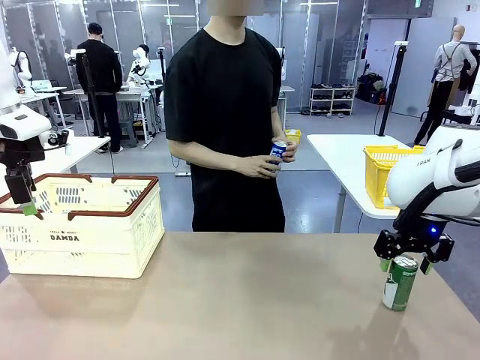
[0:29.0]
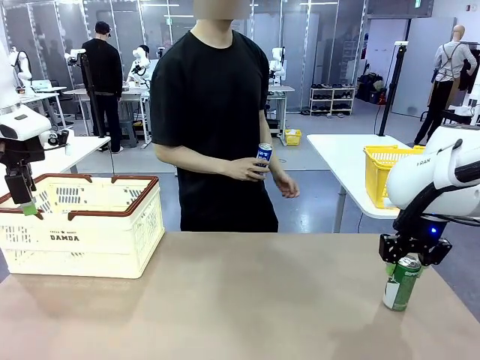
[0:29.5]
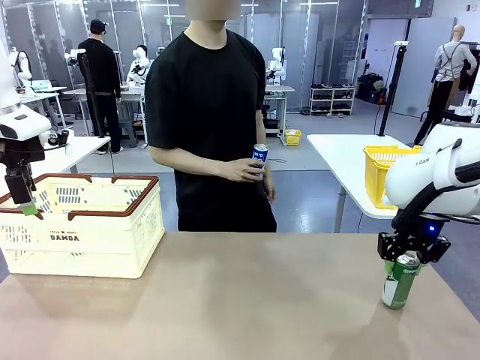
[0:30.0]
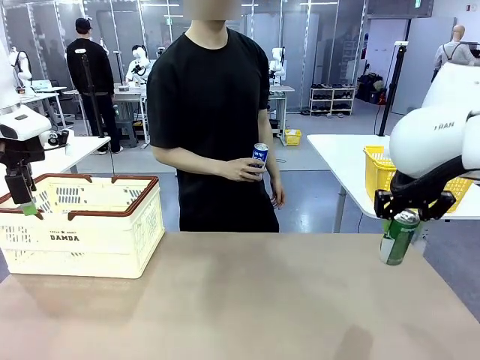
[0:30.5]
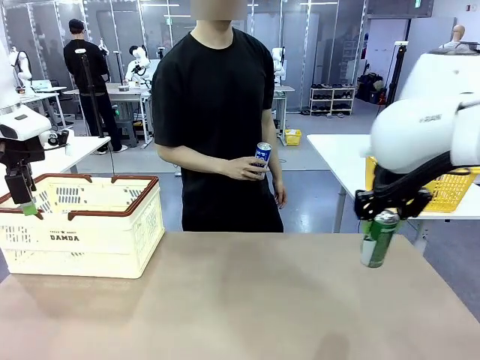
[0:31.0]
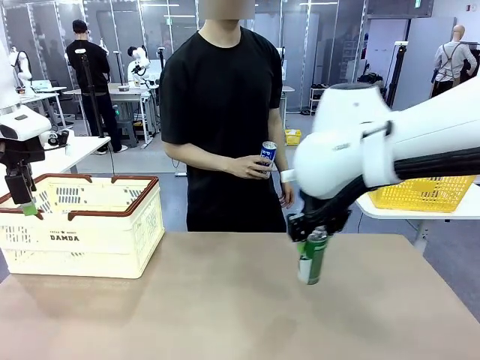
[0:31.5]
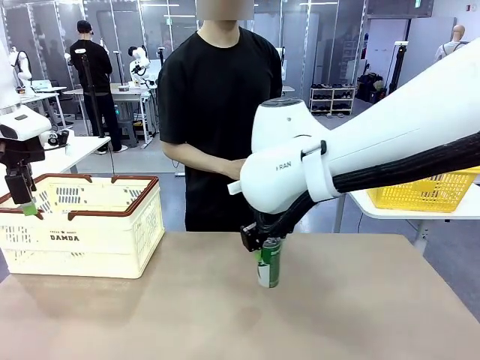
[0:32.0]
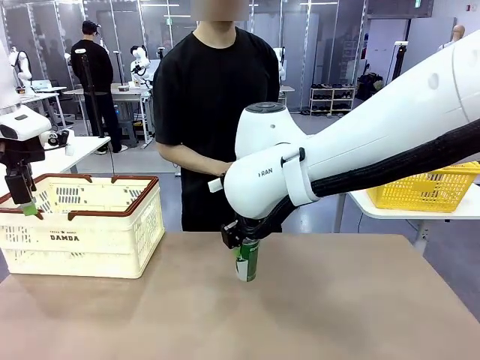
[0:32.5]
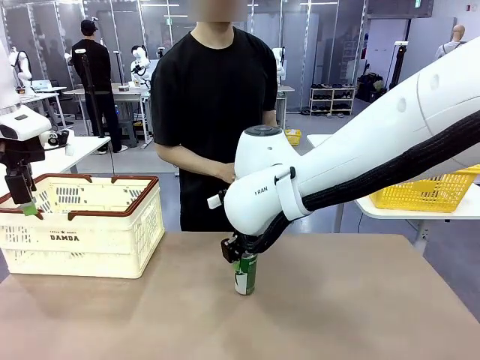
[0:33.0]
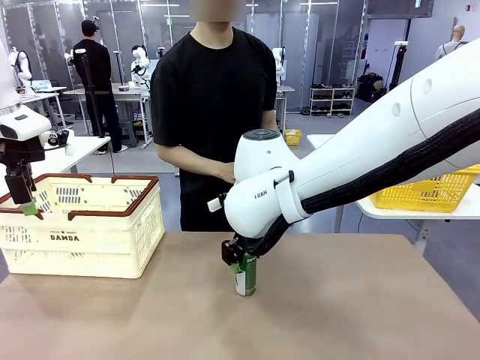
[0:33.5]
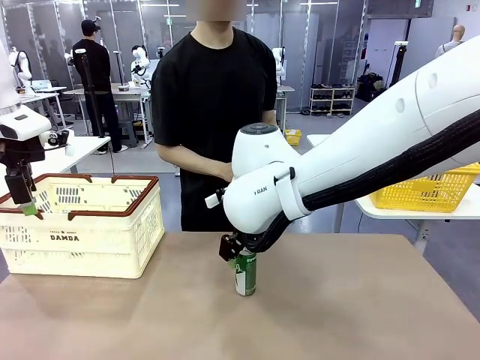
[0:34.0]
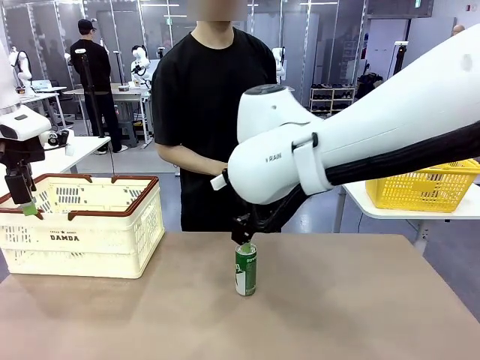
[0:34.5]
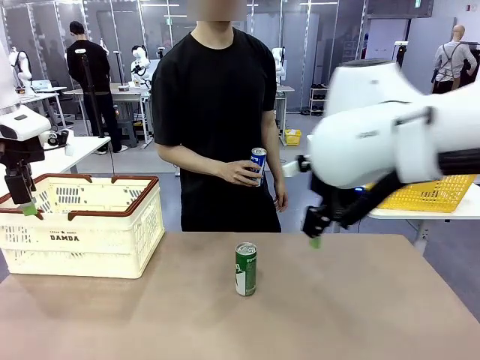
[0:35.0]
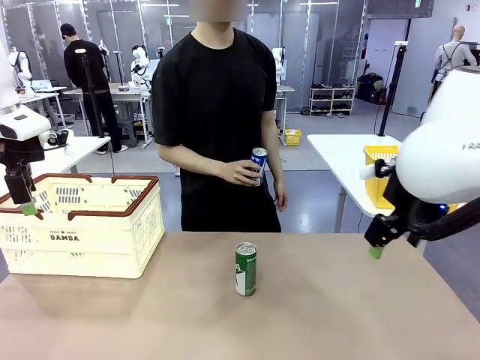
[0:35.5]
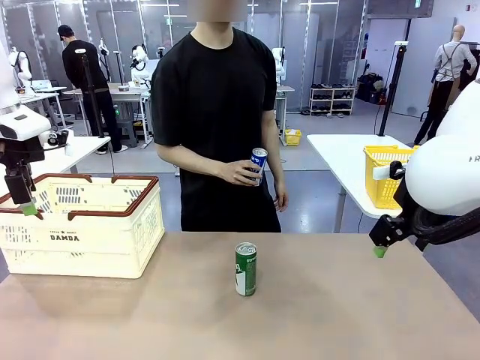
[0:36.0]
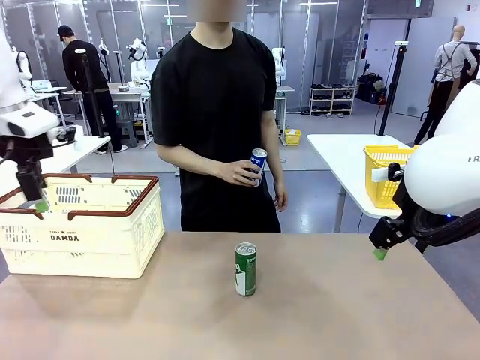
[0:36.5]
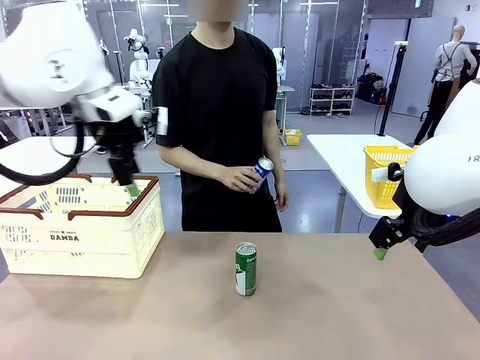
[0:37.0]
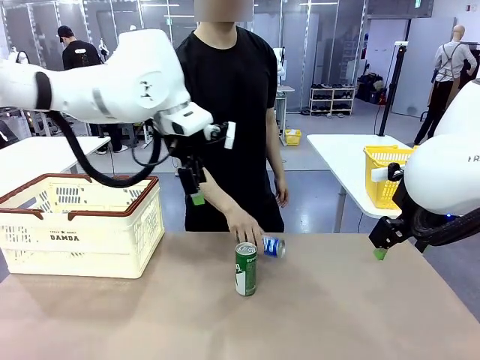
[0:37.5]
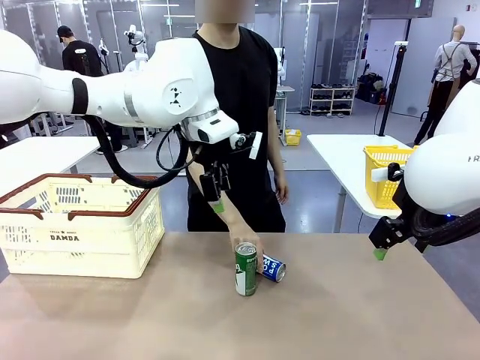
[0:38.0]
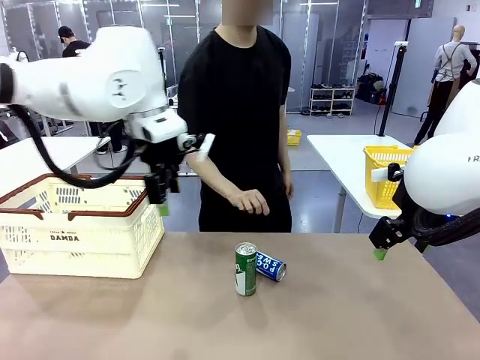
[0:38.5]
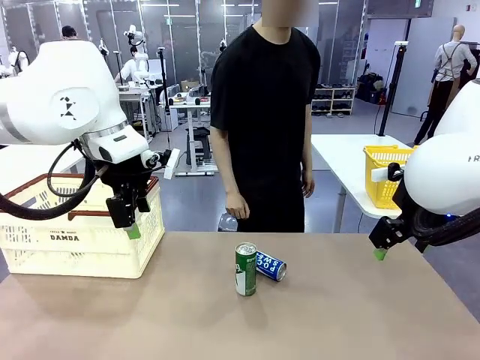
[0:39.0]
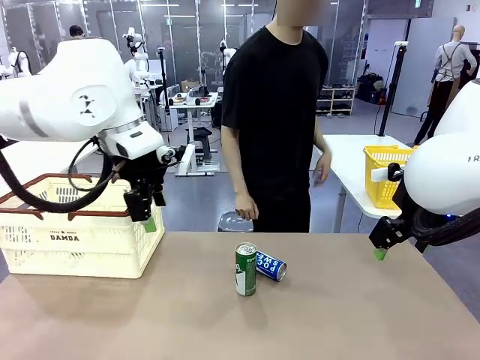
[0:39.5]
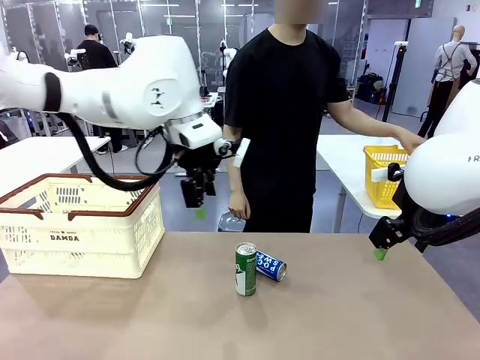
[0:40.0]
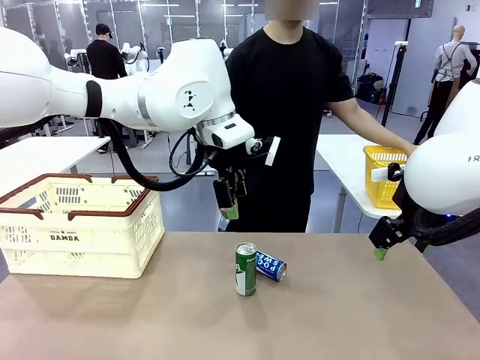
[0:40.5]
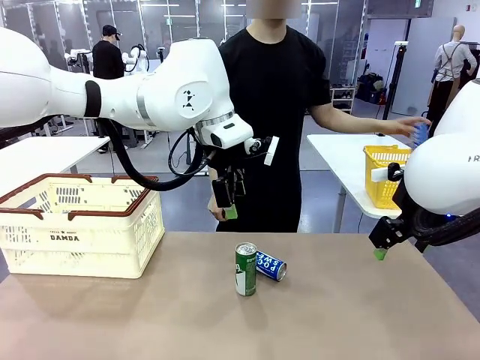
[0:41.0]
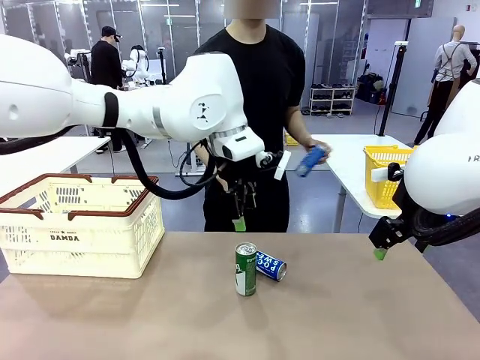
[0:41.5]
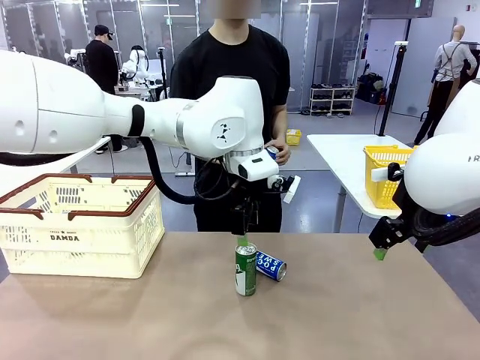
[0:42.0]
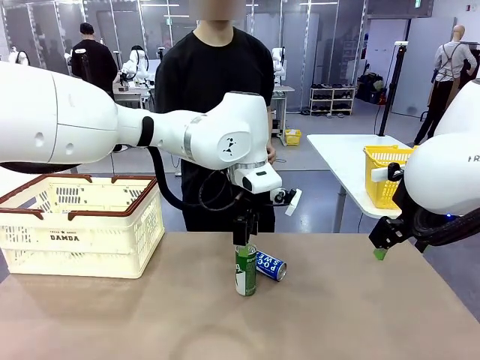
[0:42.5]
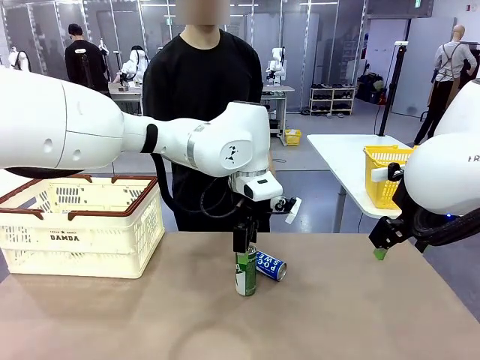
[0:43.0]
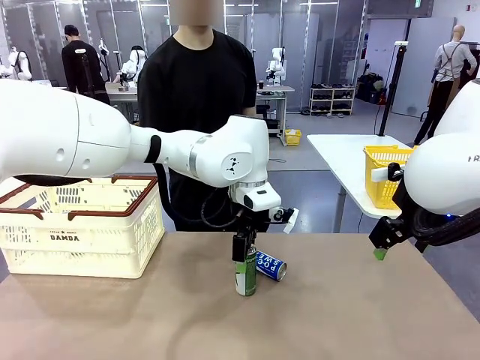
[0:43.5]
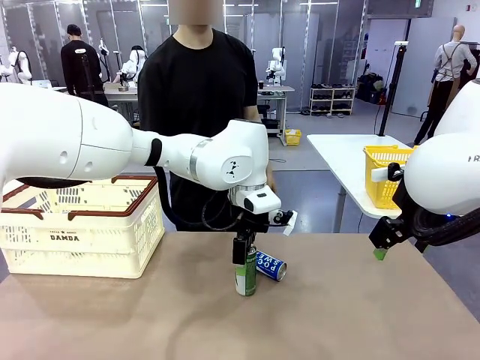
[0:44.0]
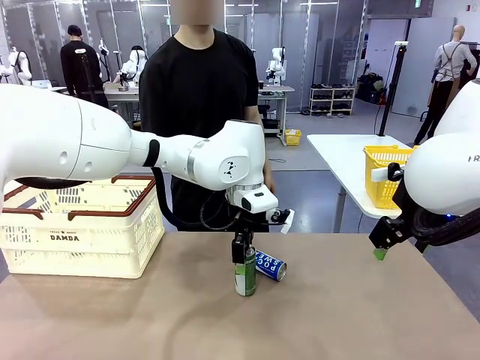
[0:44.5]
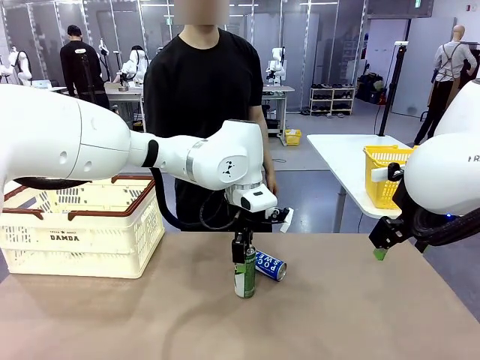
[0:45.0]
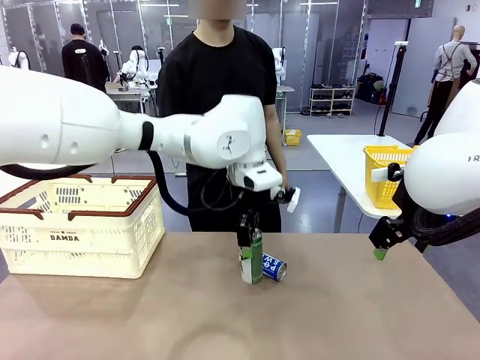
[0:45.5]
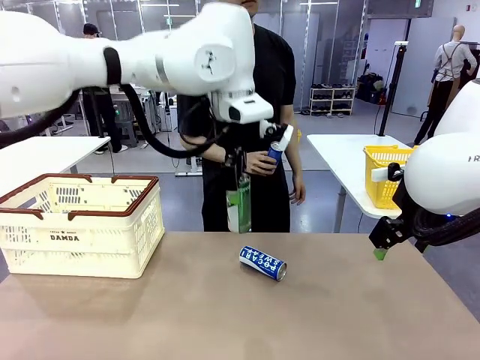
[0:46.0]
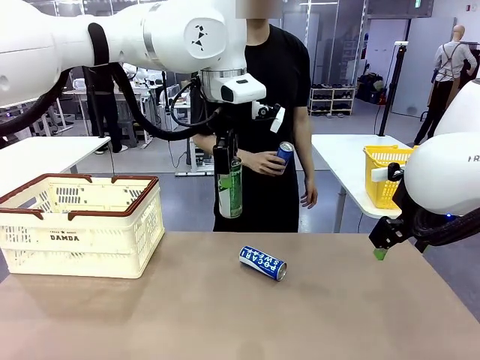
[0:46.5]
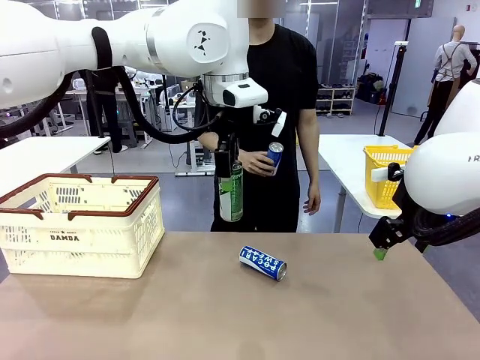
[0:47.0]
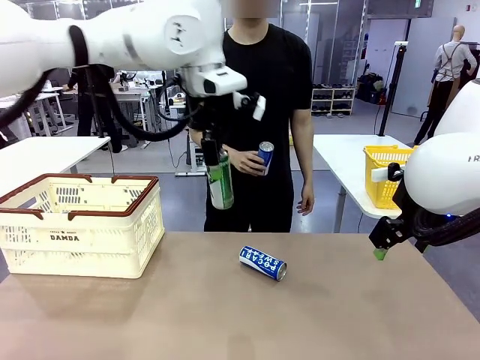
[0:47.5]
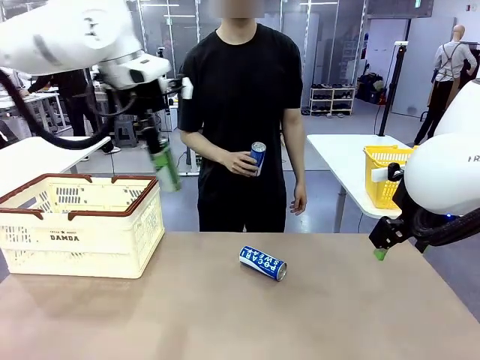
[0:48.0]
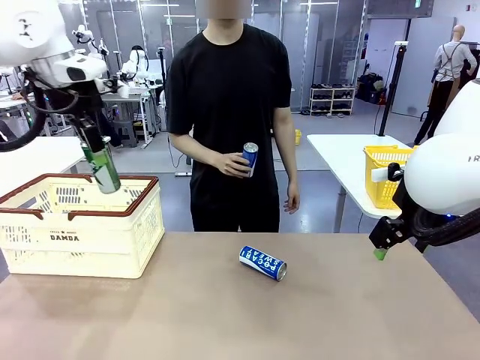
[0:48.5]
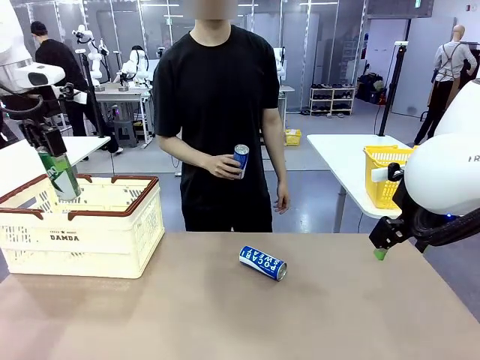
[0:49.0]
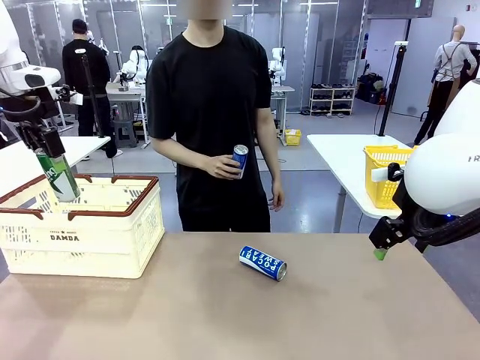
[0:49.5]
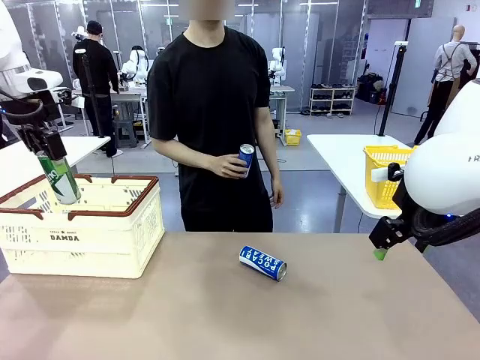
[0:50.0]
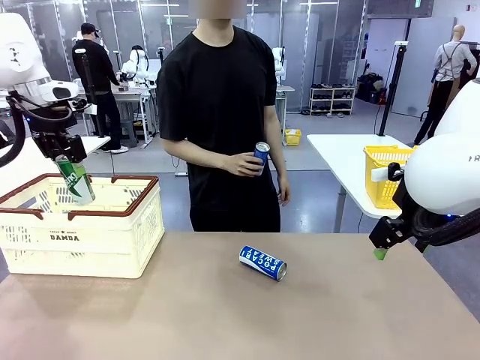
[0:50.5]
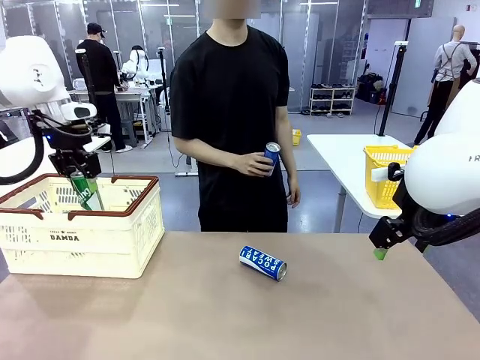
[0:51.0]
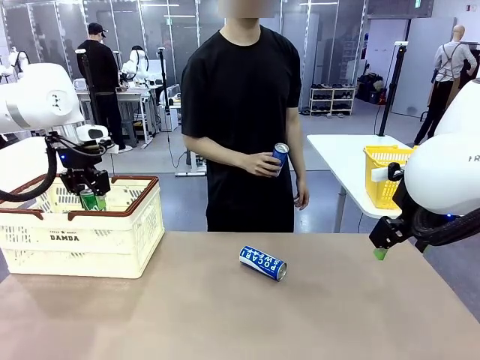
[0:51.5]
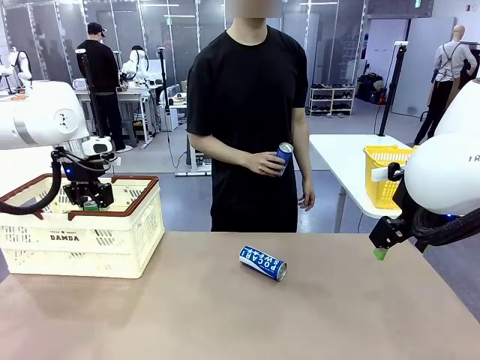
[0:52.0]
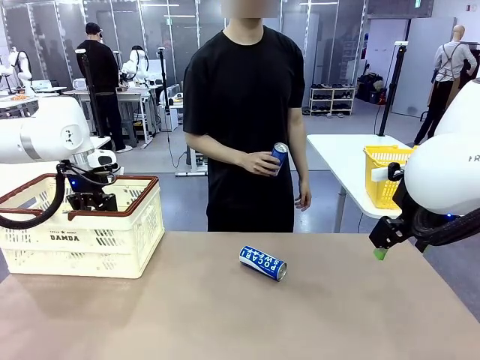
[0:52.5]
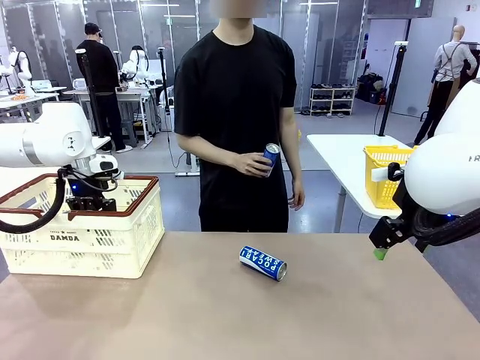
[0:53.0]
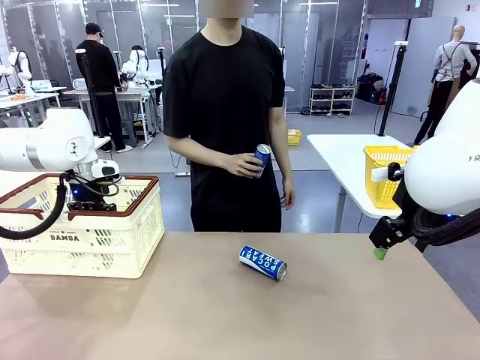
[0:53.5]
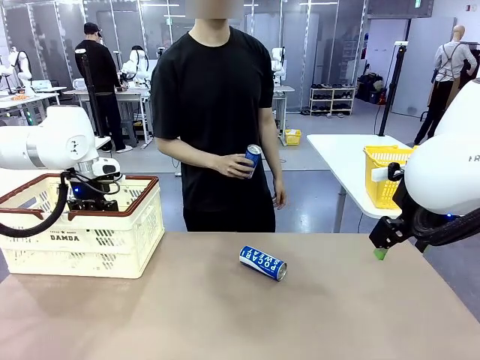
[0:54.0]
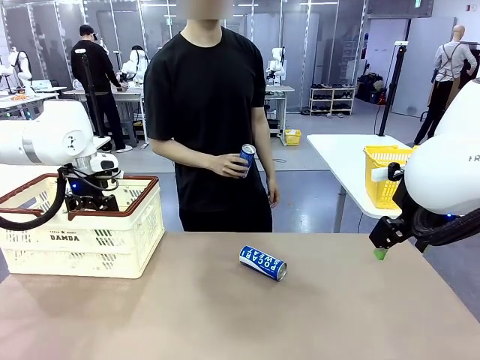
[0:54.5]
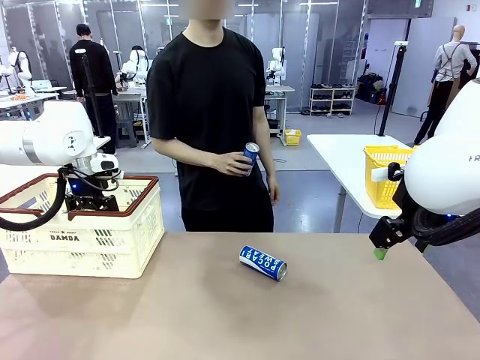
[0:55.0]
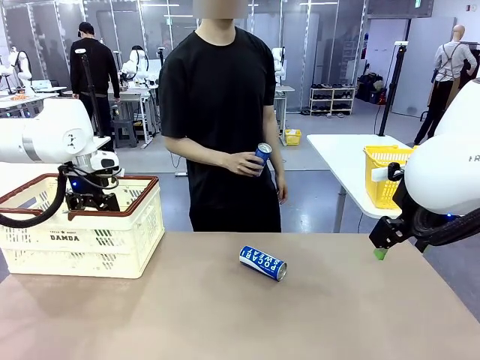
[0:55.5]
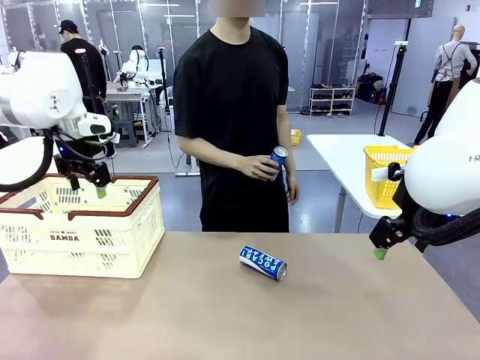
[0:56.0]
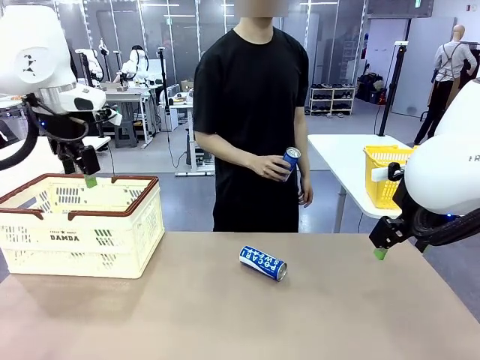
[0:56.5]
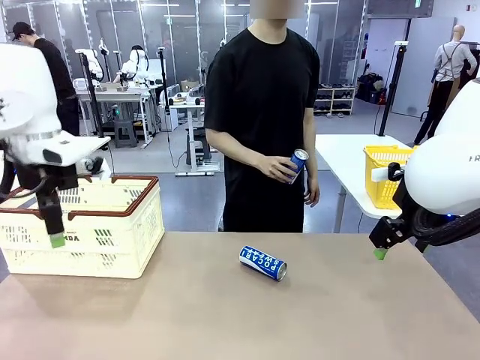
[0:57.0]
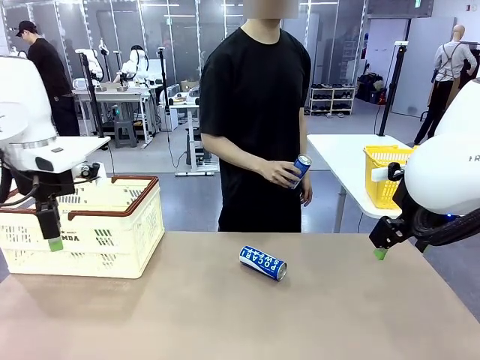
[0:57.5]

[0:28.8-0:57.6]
Task: Place the drinks into the Shopping basket.
Robot: Pick up one drink and place it into the Shopping basket.
